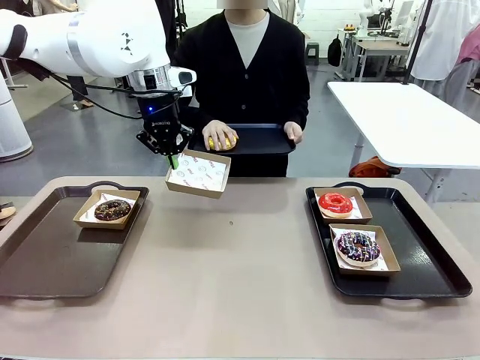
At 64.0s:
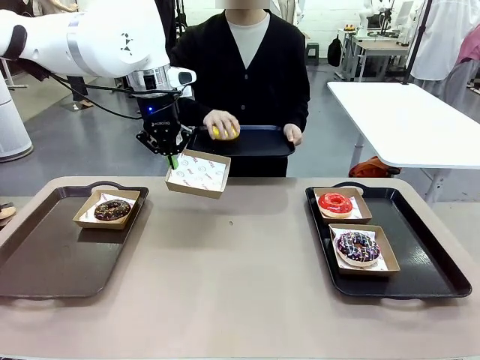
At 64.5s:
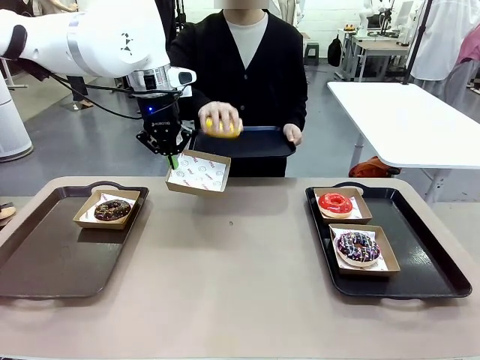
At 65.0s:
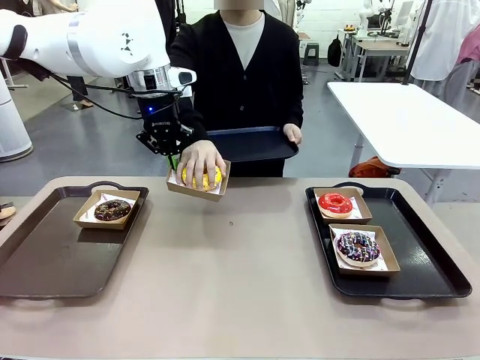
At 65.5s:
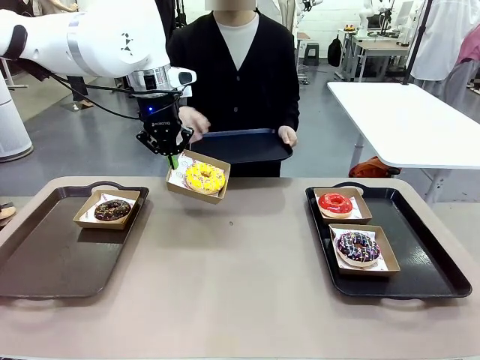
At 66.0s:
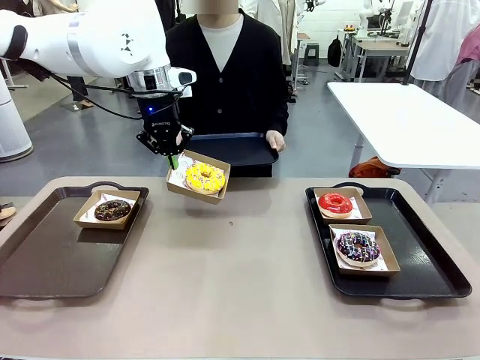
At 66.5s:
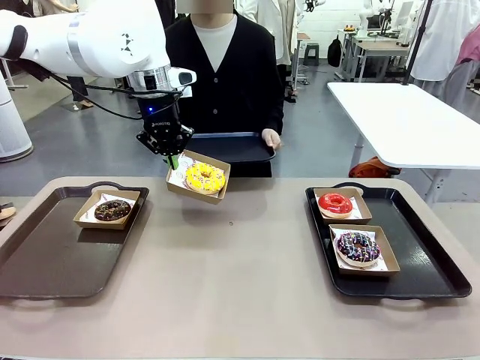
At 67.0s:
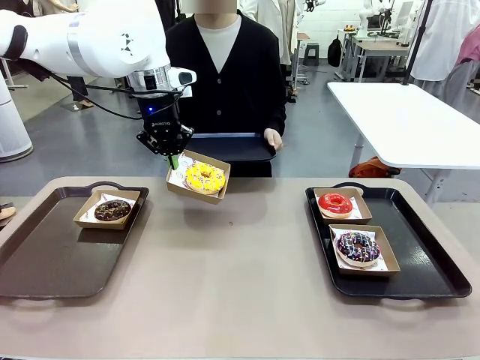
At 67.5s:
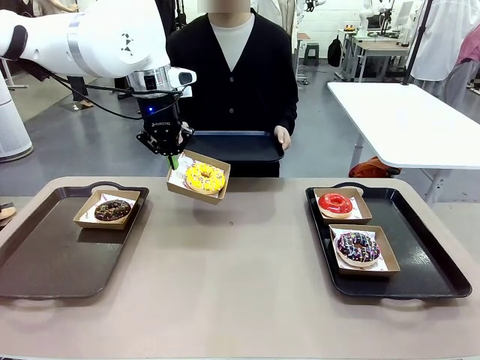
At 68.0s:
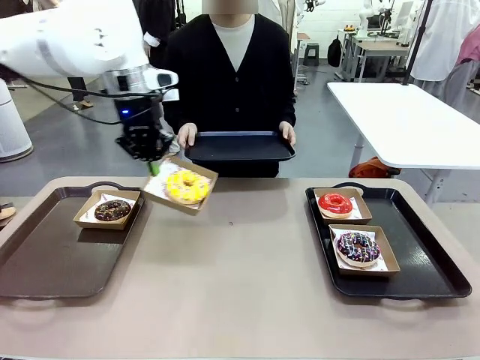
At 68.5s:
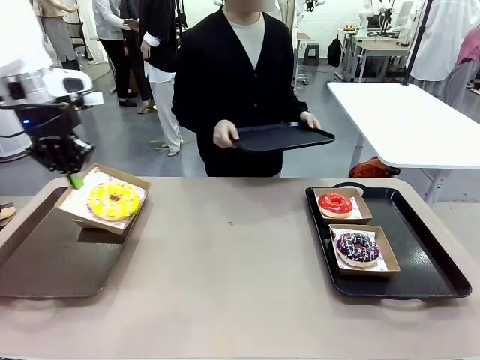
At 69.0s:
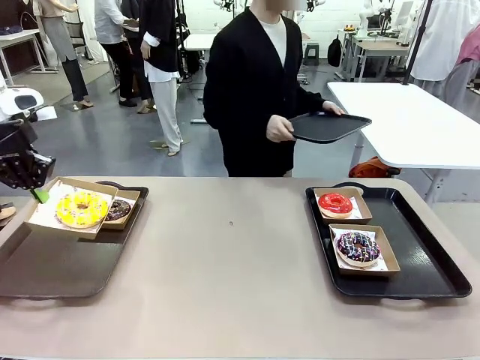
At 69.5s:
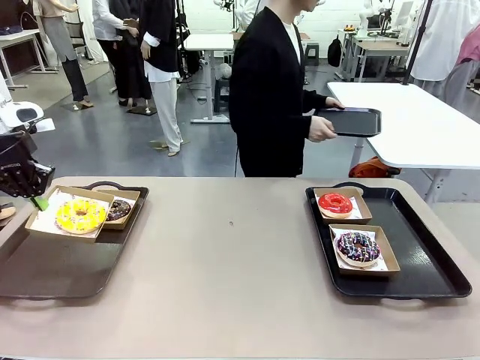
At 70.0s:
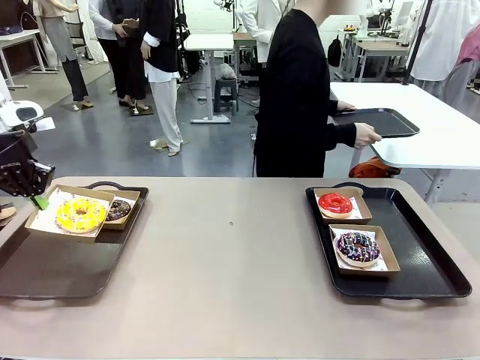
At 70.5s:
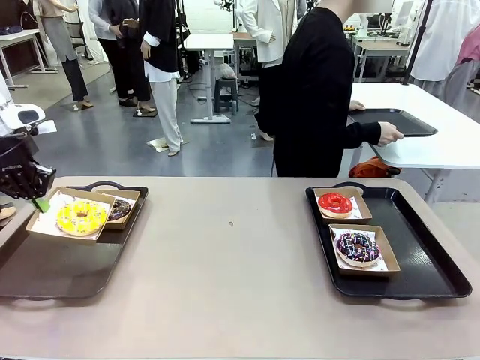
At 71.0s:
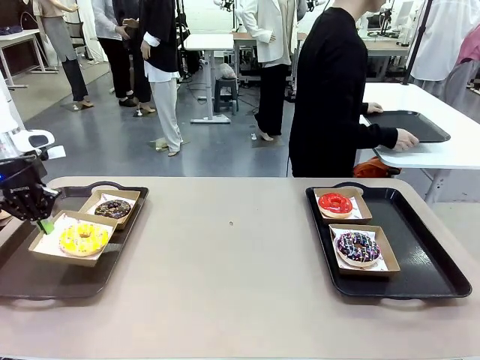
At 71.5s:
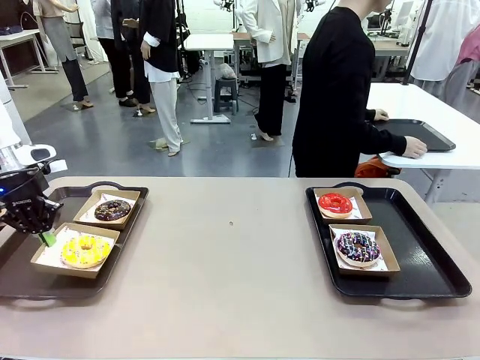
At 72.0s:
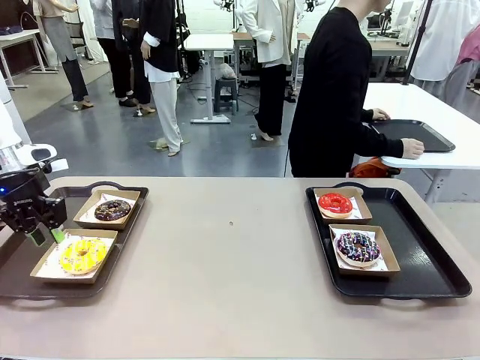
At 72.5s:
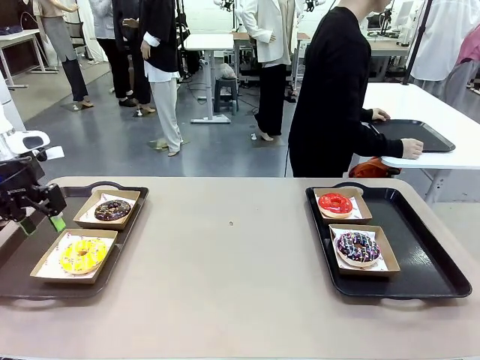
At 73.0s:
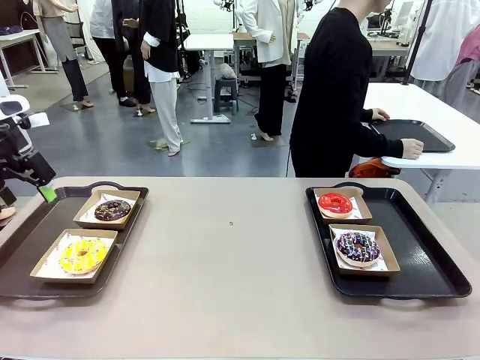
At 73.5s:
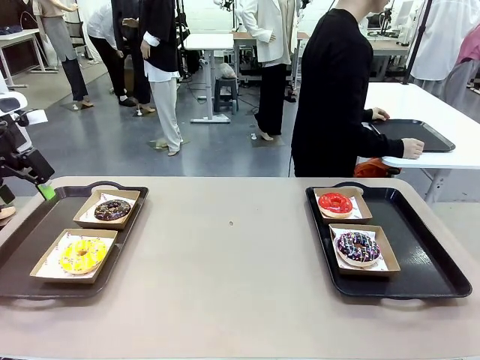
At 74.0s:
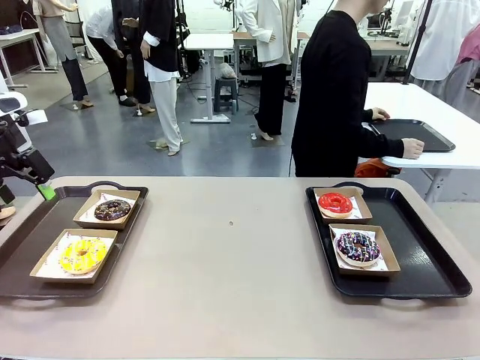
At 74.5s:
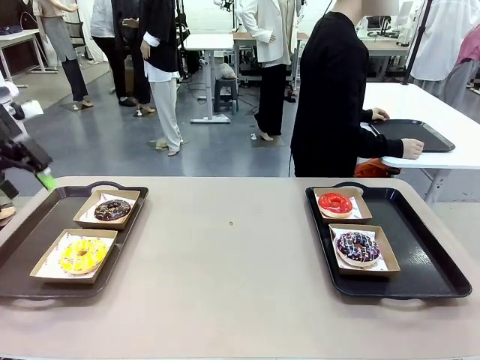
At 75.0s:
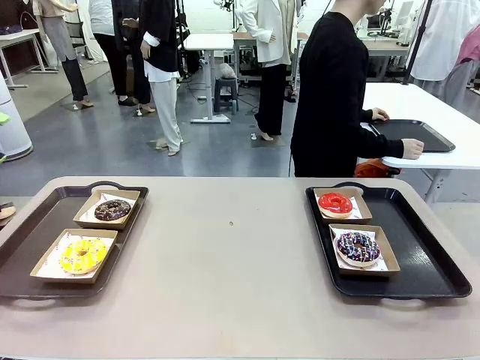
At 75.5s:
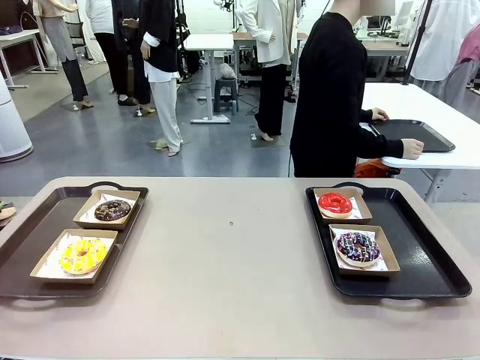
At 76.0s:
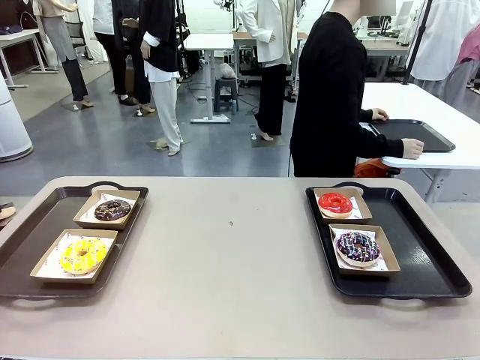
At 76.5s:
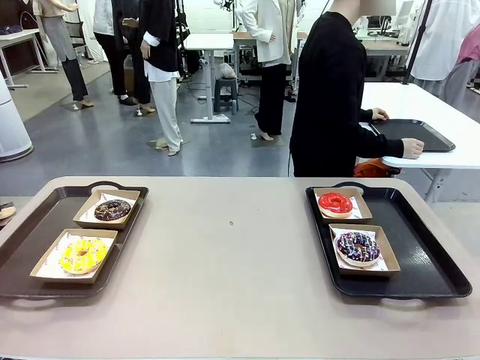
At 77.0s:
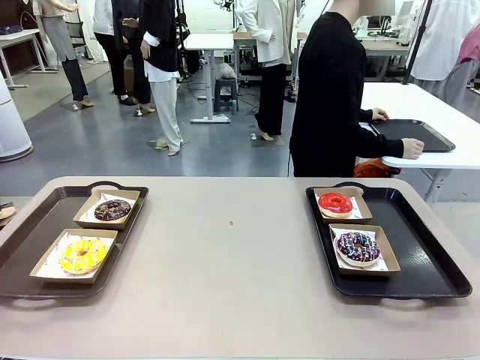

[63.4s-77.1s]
Task: Individually package the donuts and arrange them on the tray.
Robot: Place the picked Paper togo box on the Handle tray.
Person: Place the tray down in the middle of the human table.
